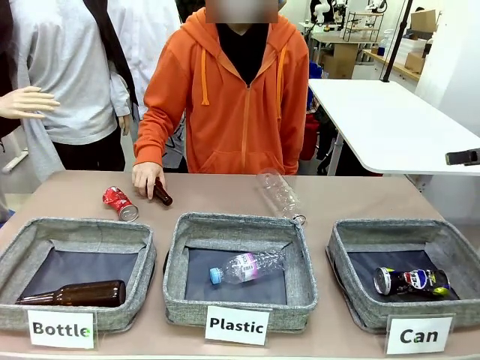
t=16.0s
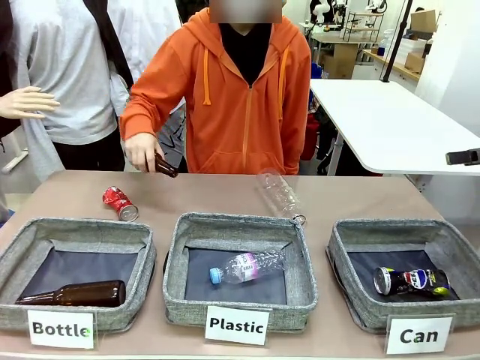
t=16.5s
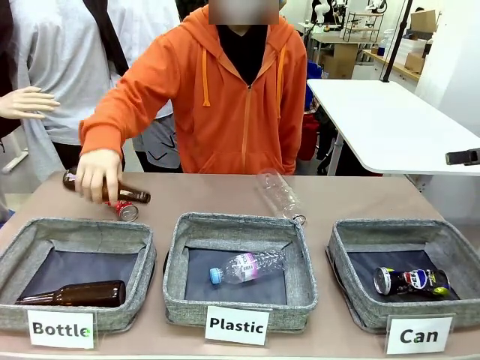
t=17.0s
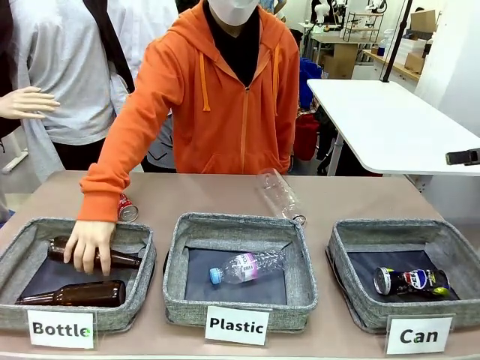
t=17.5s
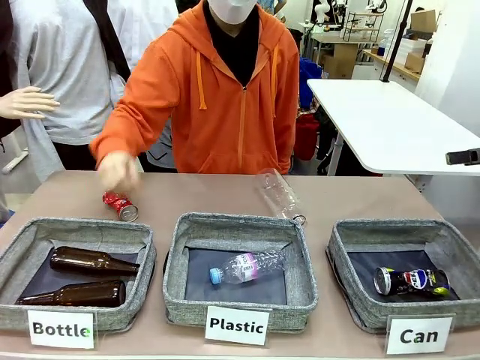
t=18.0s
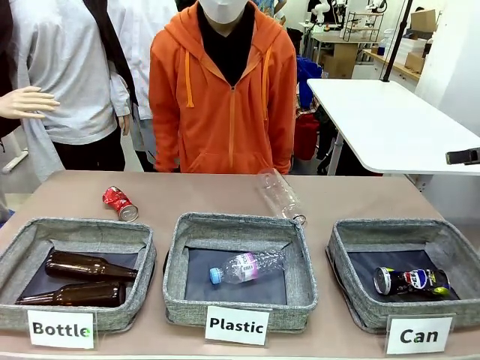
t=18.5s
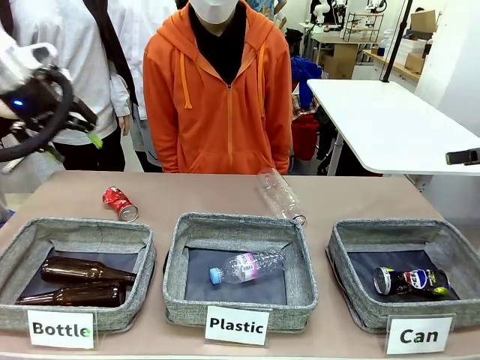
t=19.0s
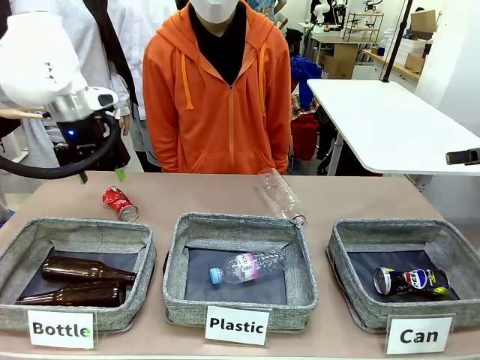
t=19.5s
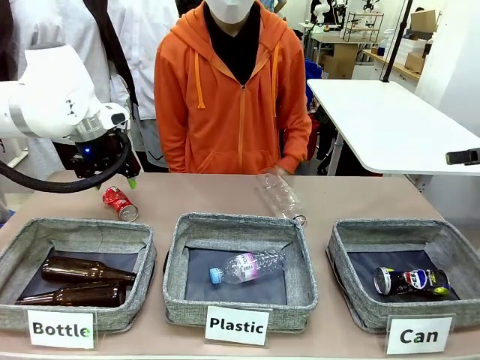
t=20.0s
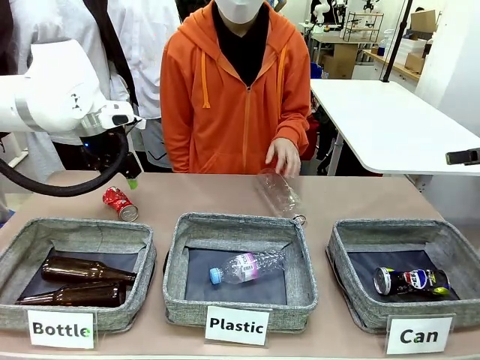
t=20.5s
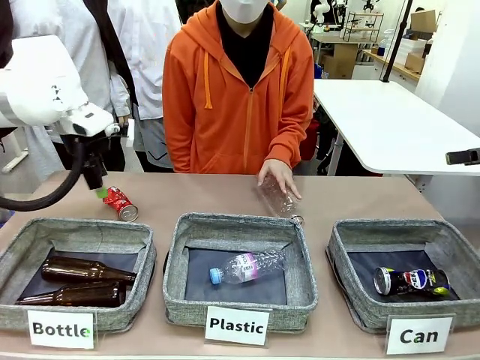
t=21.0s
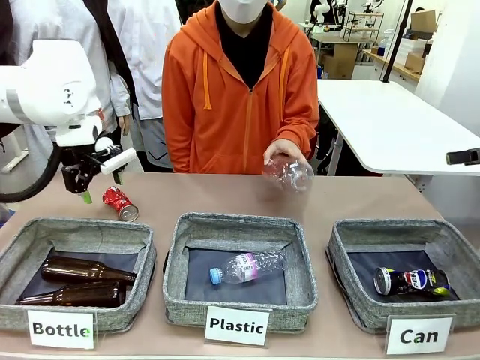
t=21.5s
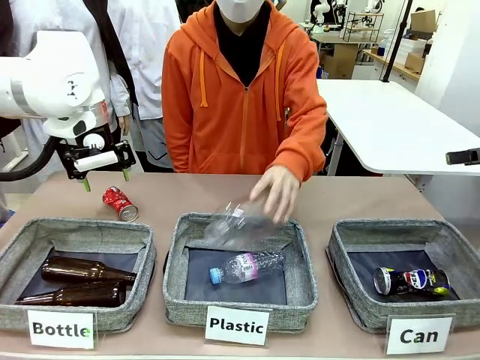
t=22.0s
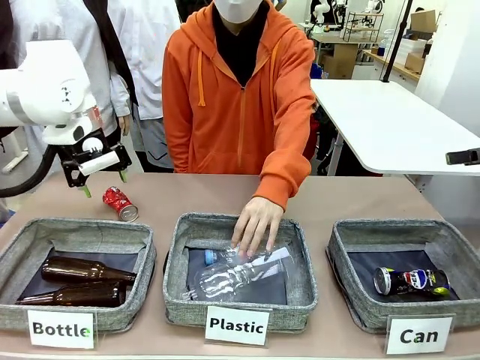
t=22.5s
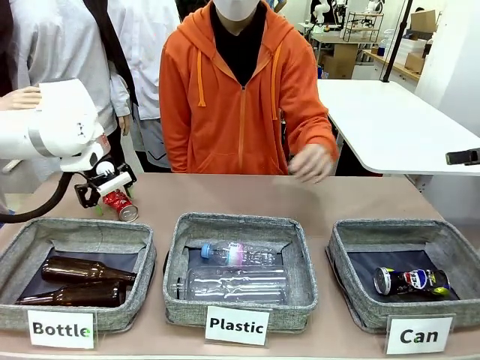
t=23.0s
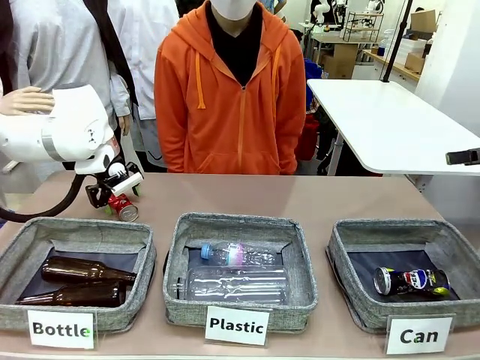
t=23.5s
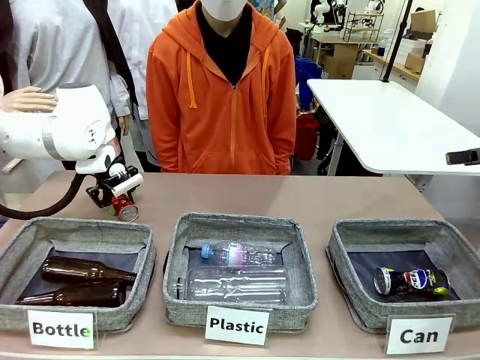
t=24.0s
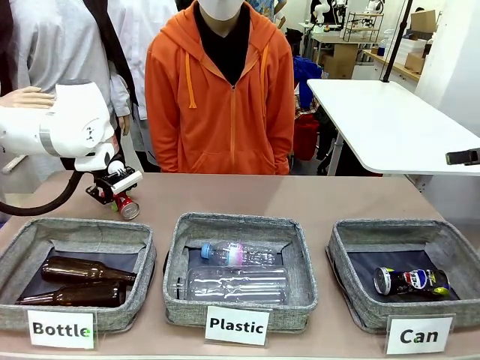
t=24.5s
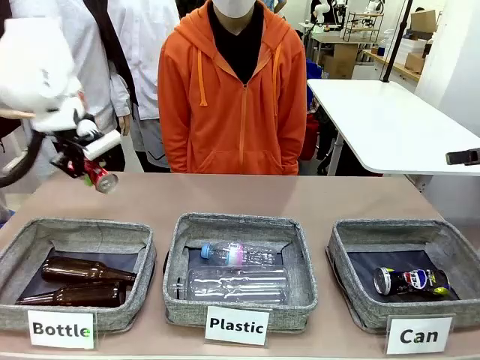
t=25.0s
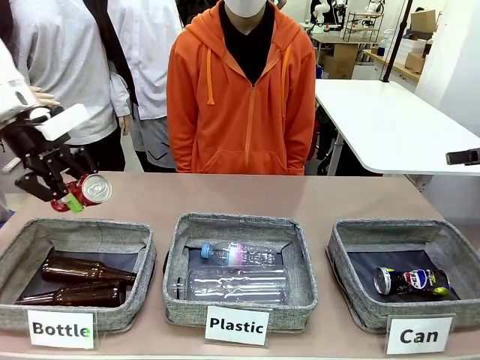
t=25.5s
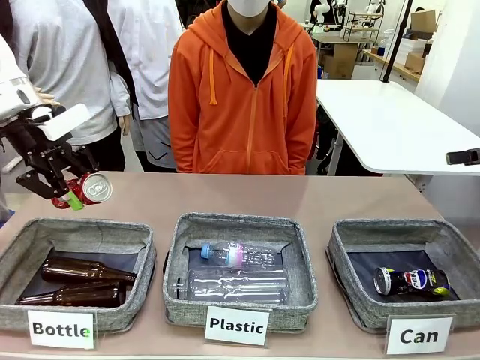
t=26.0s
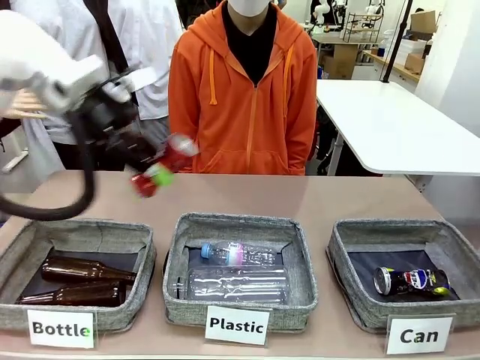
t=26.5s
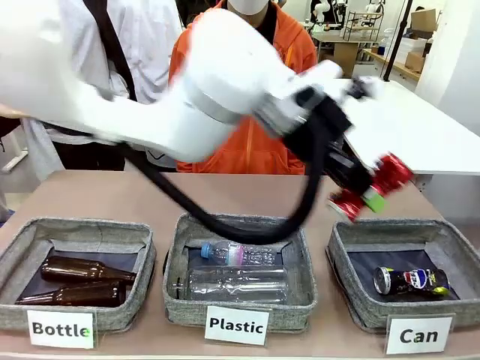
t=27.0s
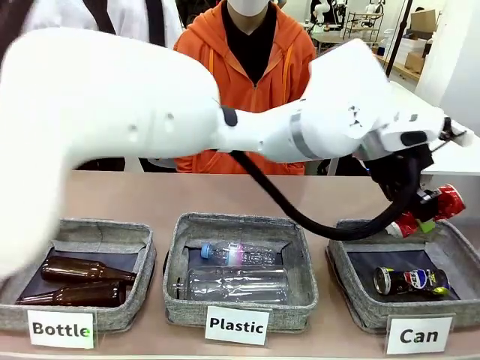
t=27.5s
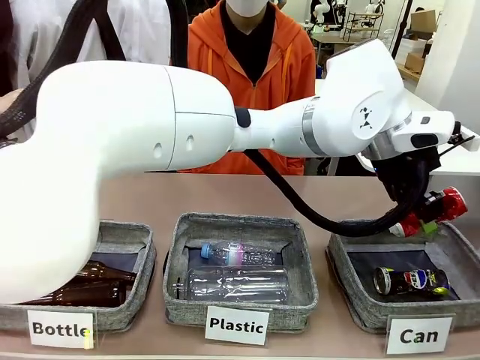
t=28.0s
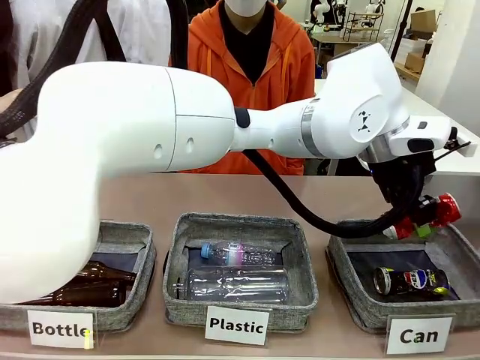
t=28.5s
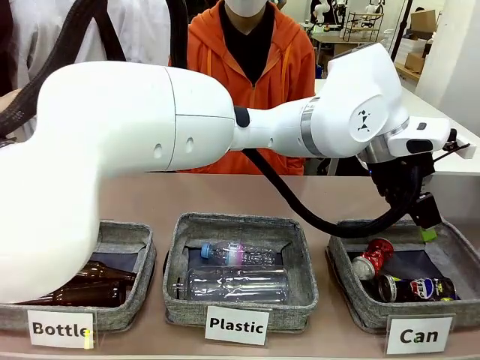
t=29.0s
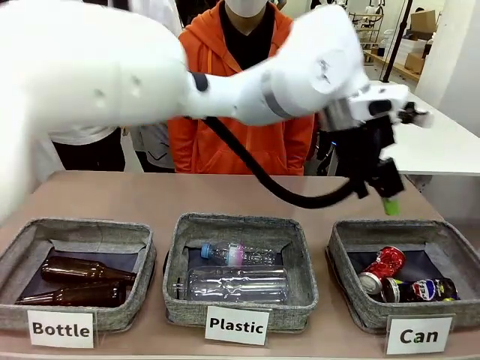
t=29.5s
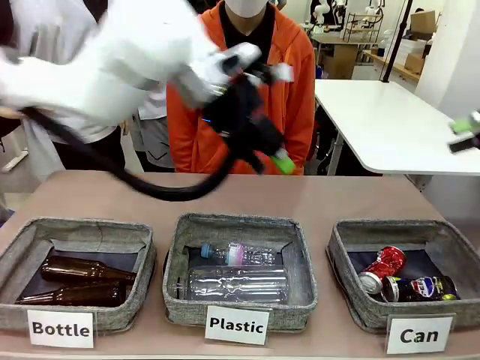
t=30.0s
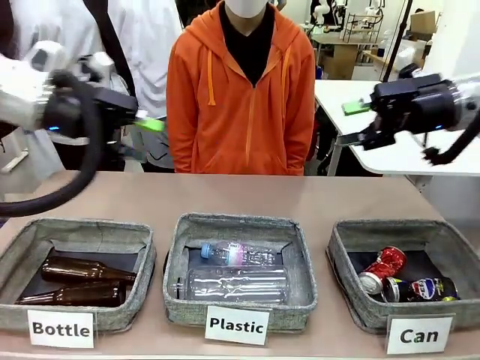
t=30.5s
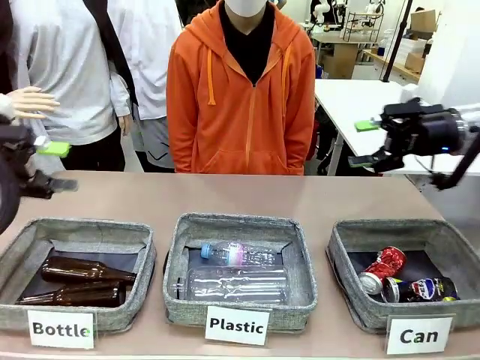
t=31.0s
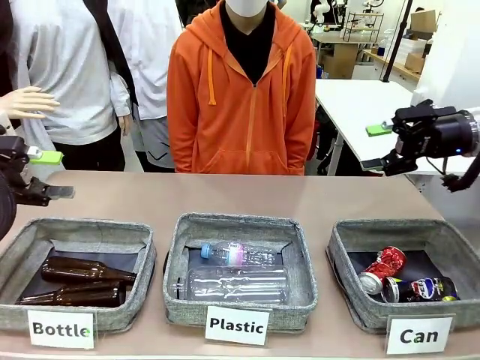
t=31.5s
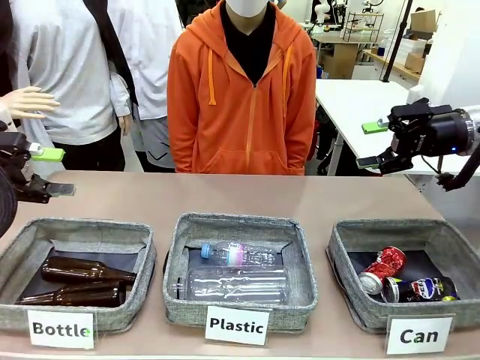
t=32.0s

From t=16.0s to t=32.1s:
Task: Sort the can waste into the basket.
Robot: Pick up the can waste from the table and place it in the right Fabric basket.
Person: The human picks up one piece of trash that is not a can and places the trash into the appropriate organizing basket.

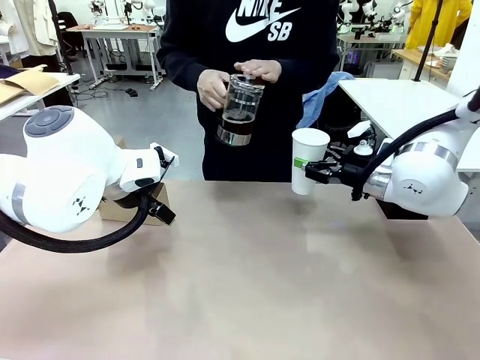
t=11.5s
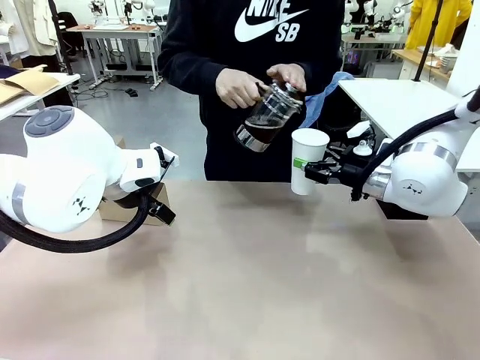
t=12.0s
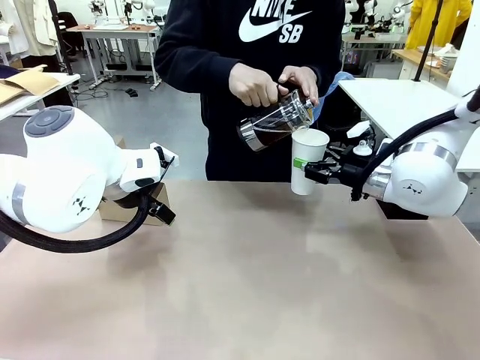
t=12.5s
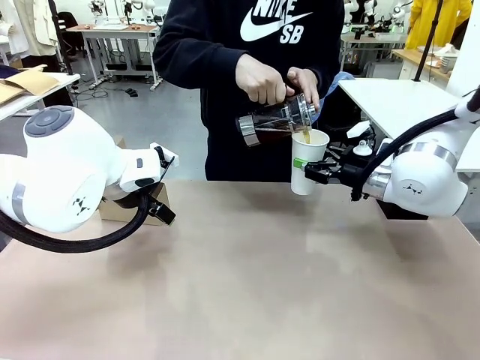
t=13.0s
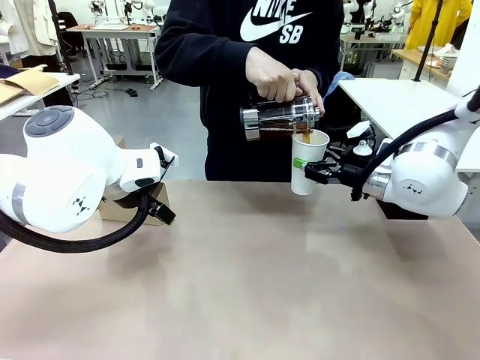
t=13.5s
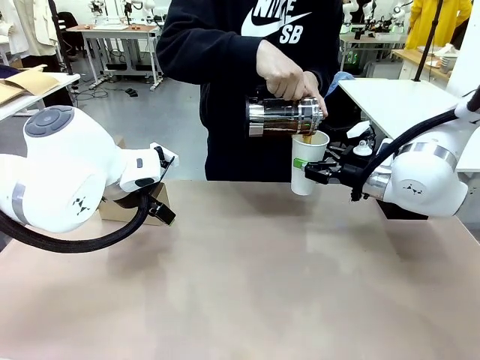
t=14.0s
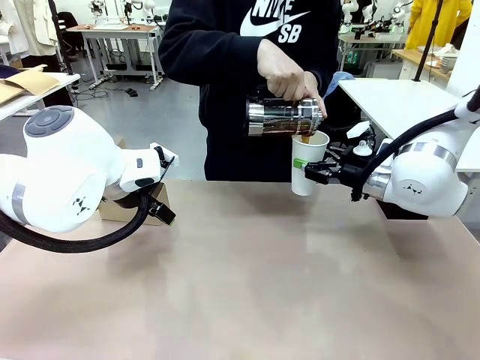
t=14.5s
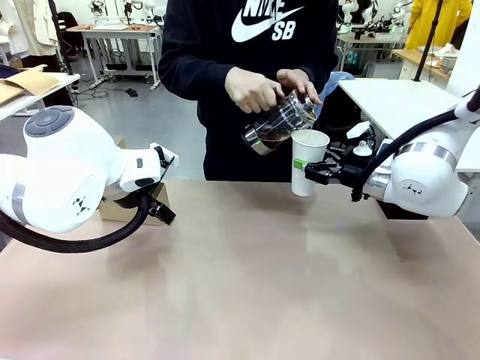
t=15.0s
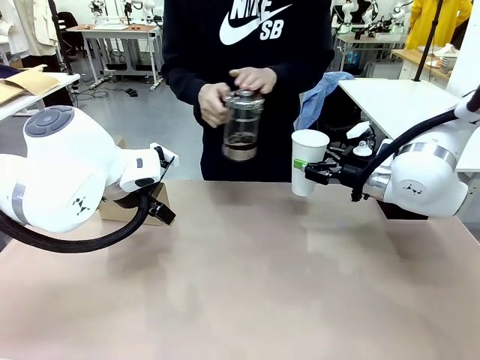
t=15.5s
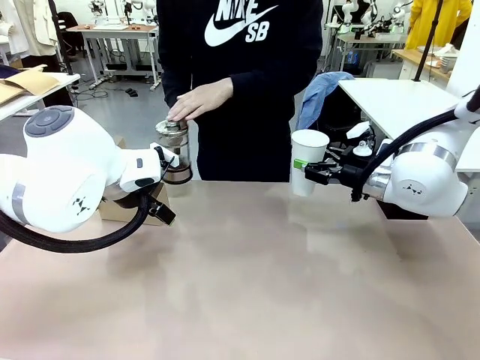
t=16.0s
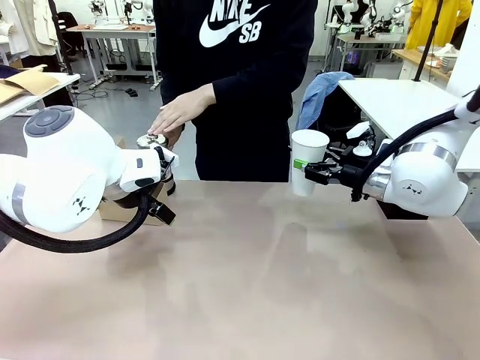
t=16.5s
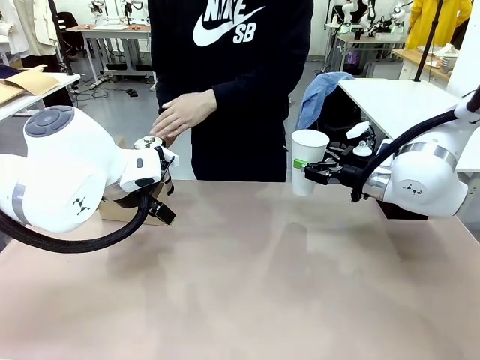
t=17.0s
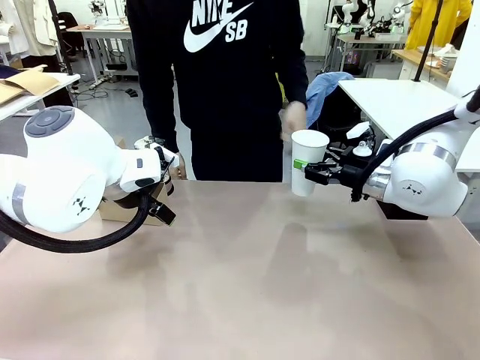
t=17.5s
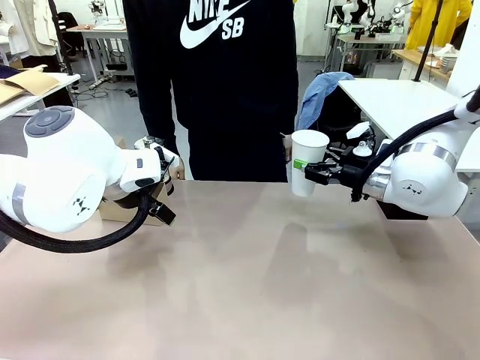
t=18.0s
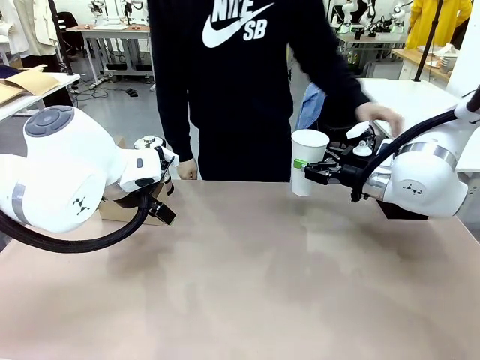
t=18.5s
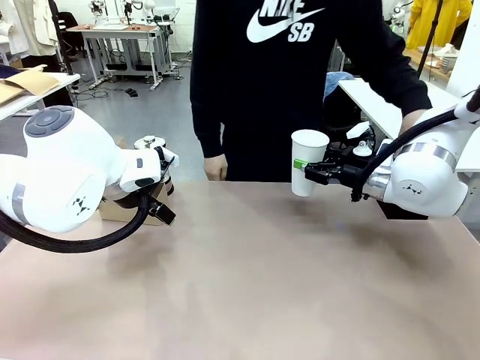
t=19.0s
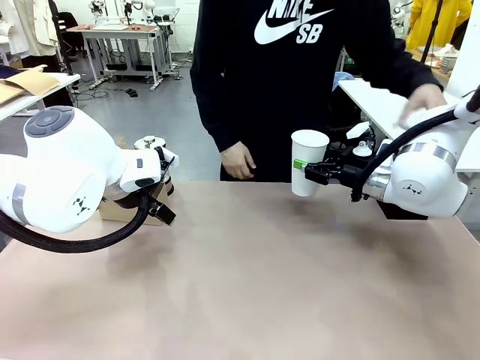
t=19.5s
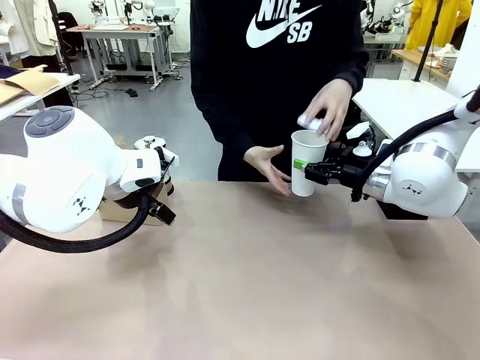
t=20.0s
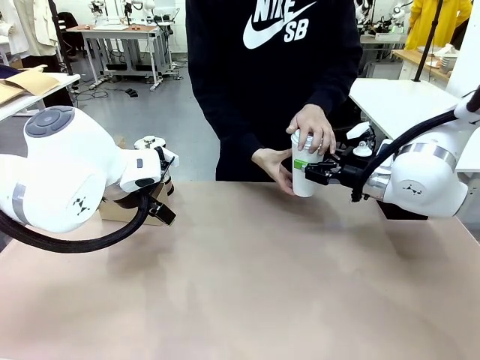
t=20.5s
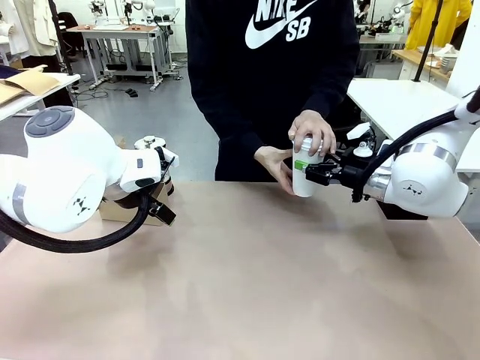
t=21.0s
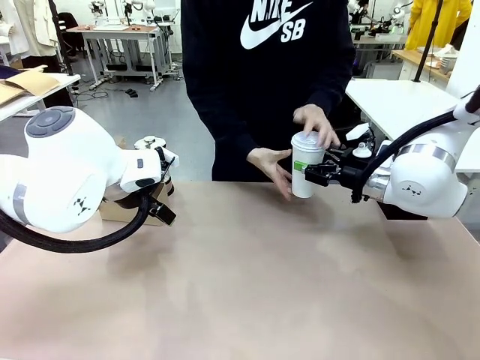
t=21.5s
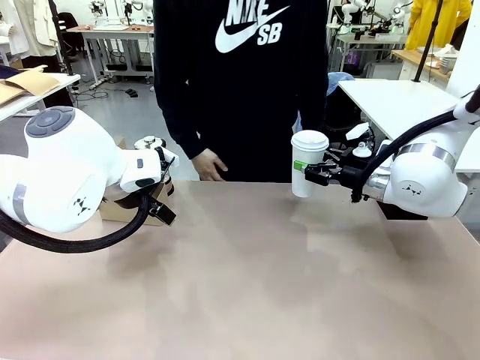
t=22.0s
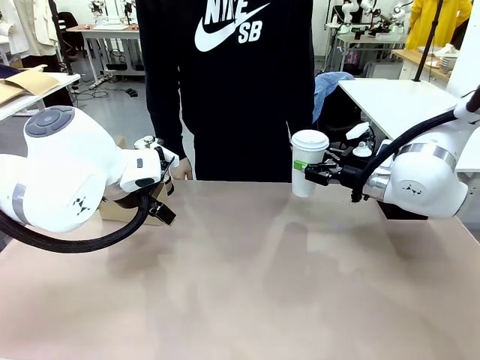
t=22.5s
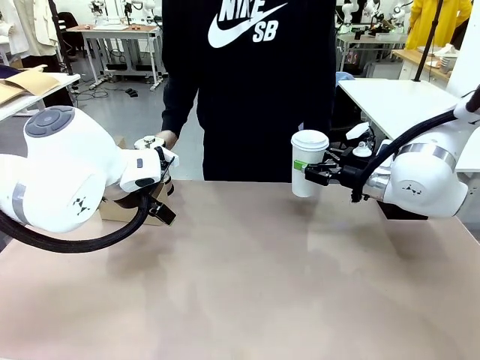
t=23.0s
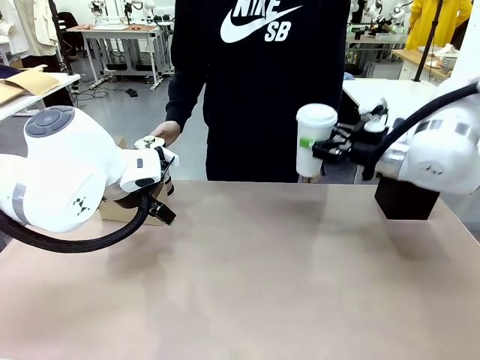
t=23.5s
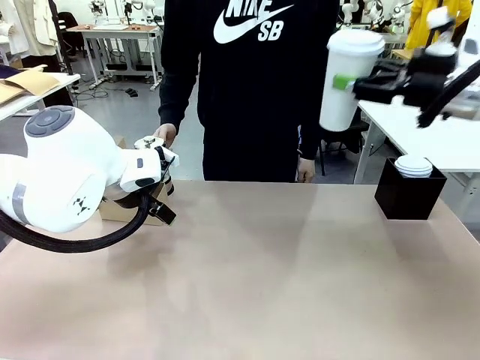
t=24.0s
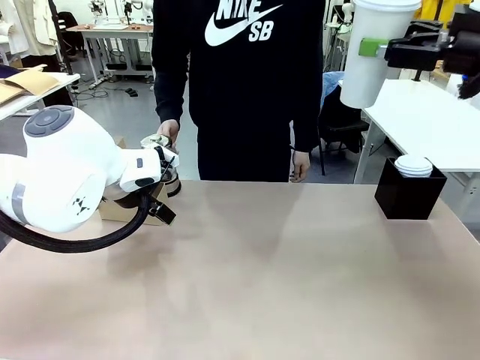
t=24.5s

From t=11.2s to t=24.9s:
Task: Pour a drink into a cup and package it in a carrier.
Robot: When a person places the Paper Cup Lid on the 600 ml Paper Cup , lift the 600 ml Paper Cup.
Person: Pour the drink from the Filter Brewing into the 600 ml Paper Cup. Place a Paper Cup Lid on the 600 ml Paper Cup.
